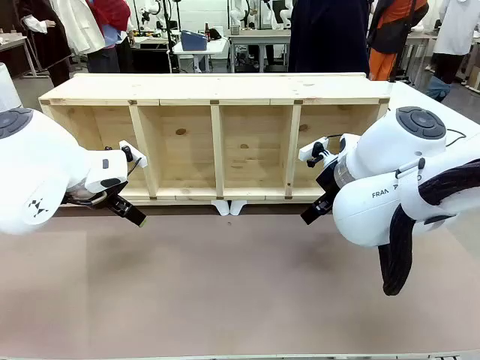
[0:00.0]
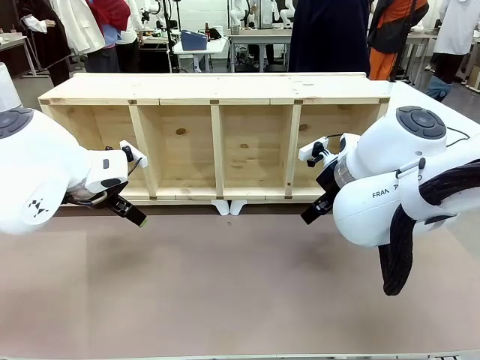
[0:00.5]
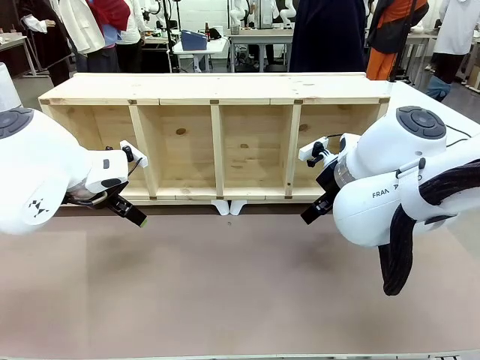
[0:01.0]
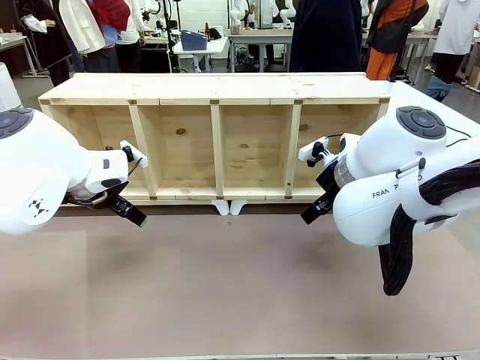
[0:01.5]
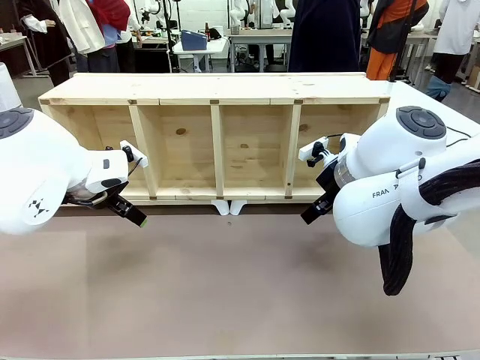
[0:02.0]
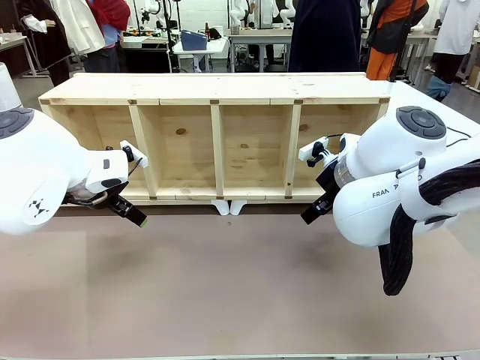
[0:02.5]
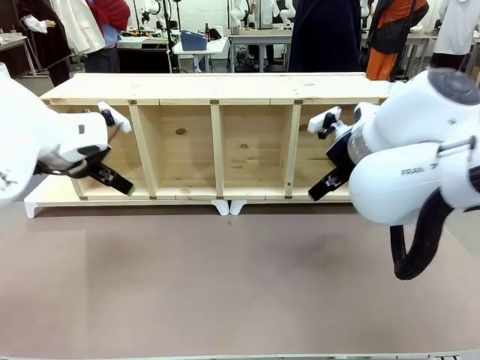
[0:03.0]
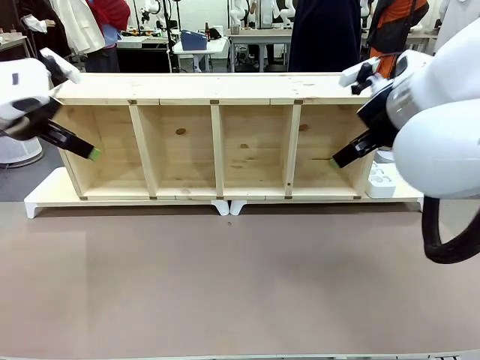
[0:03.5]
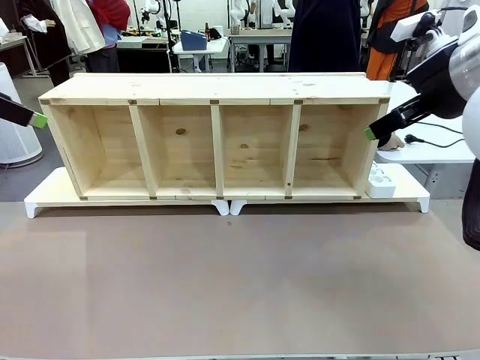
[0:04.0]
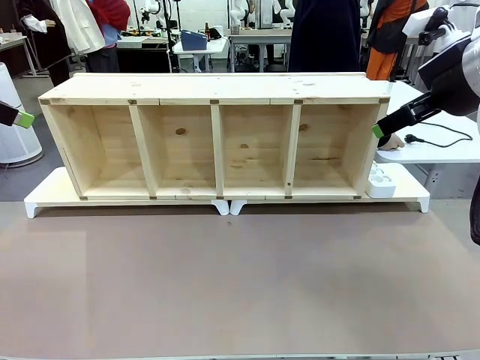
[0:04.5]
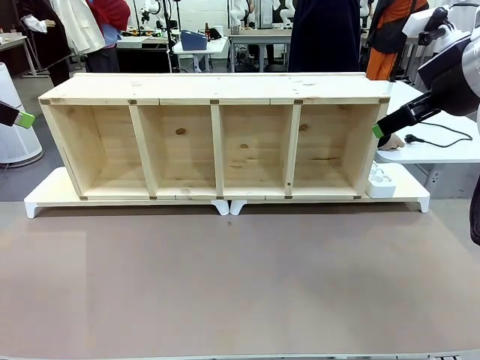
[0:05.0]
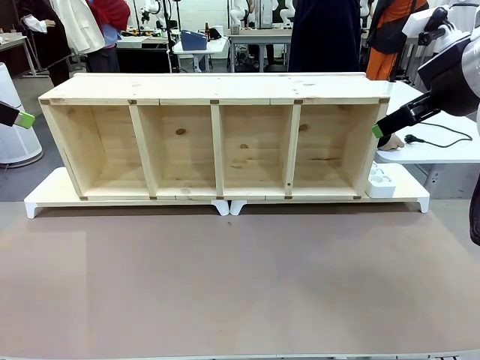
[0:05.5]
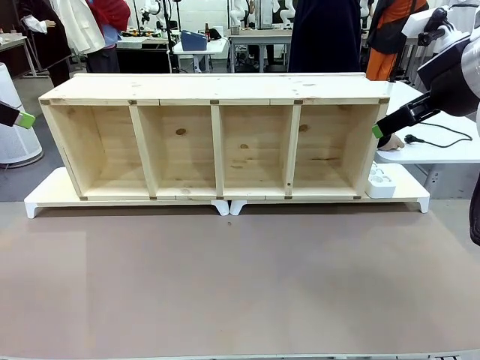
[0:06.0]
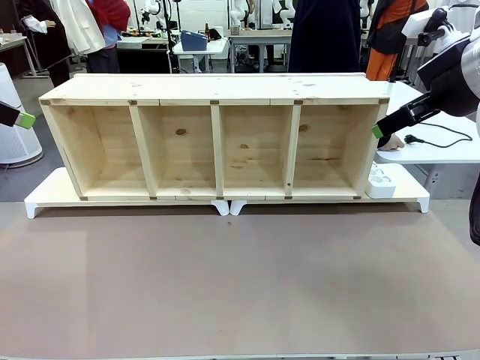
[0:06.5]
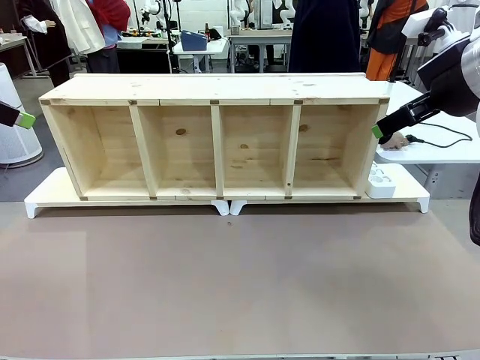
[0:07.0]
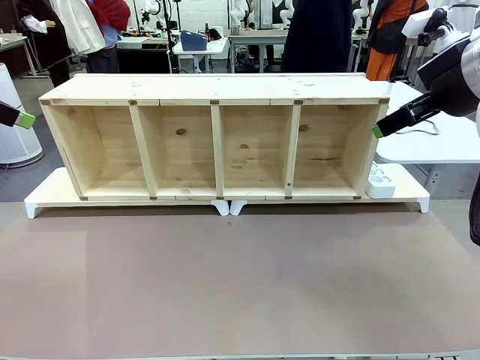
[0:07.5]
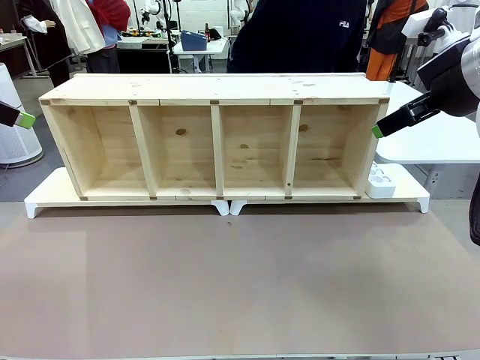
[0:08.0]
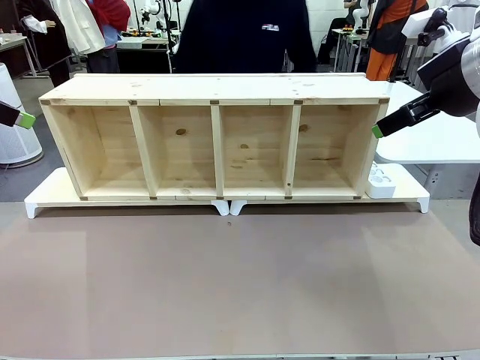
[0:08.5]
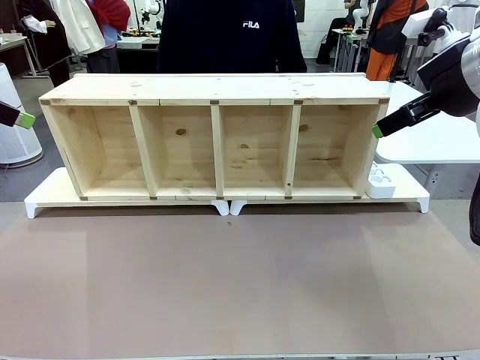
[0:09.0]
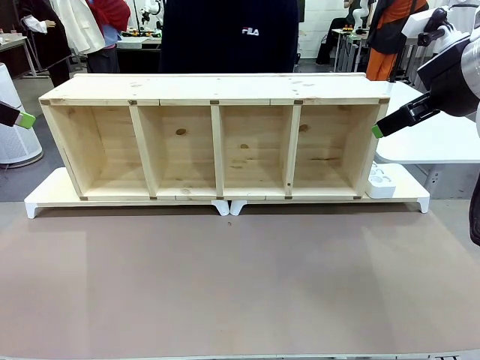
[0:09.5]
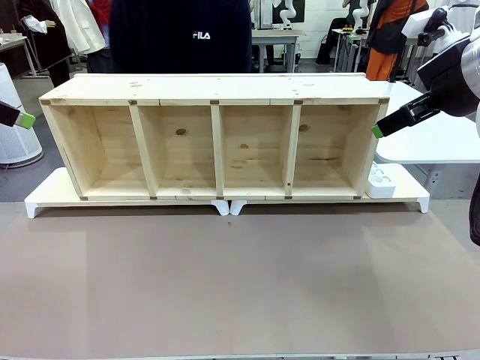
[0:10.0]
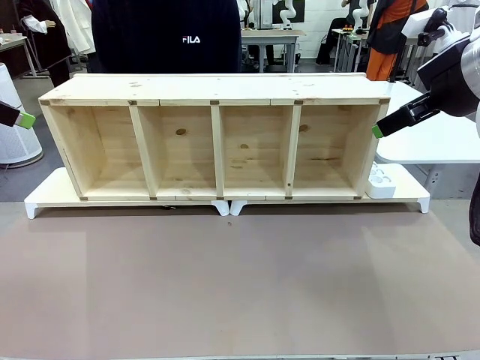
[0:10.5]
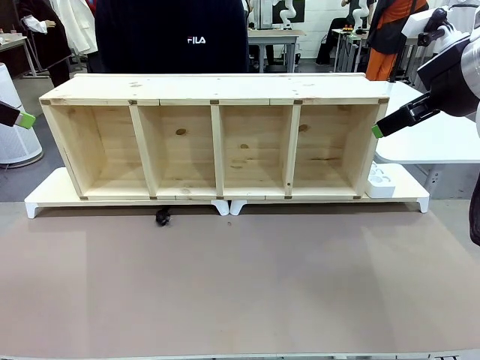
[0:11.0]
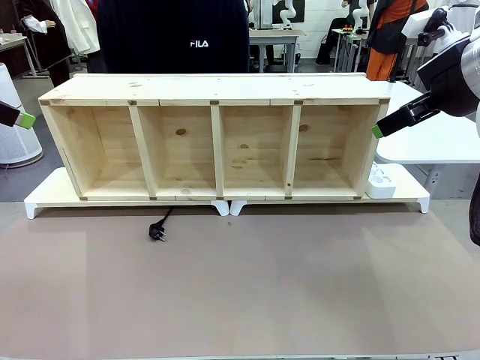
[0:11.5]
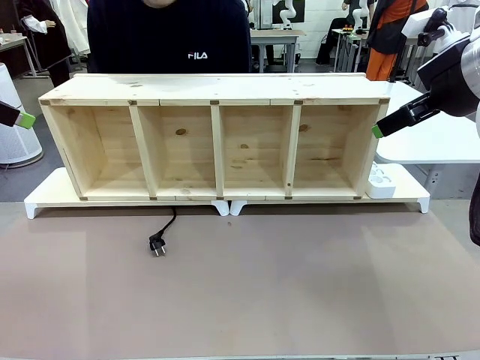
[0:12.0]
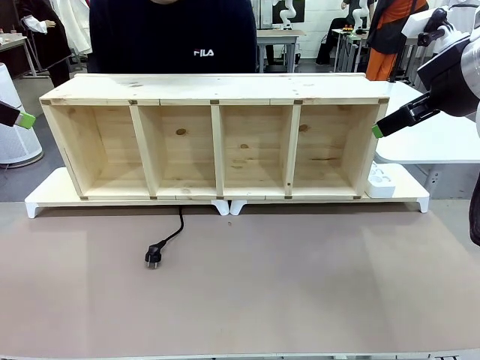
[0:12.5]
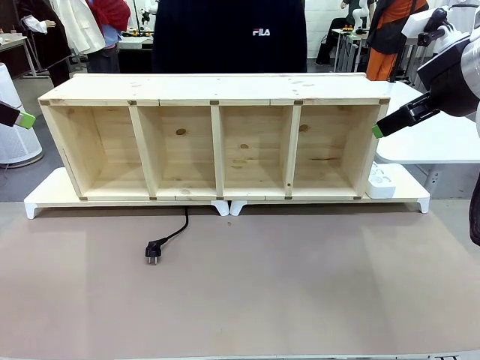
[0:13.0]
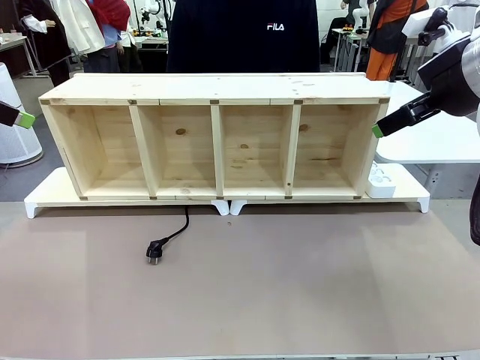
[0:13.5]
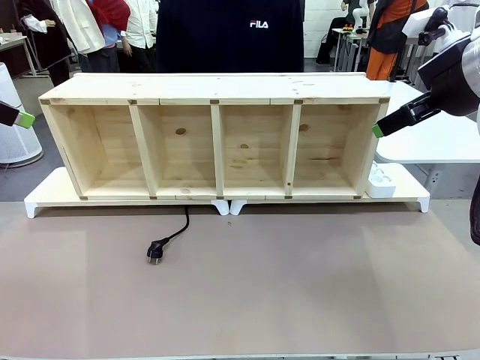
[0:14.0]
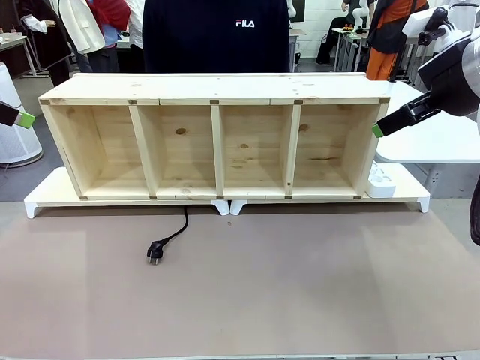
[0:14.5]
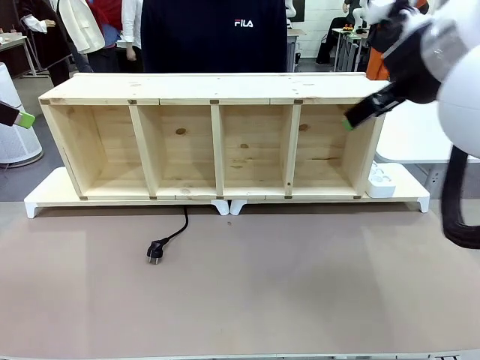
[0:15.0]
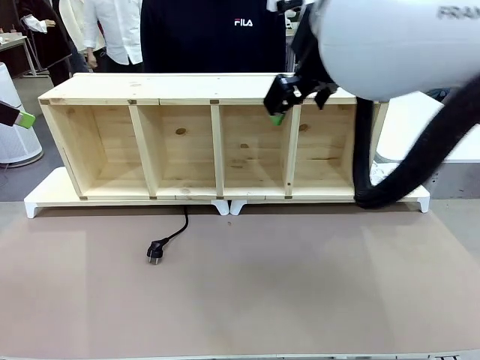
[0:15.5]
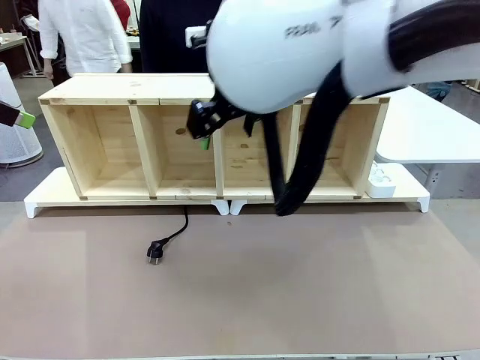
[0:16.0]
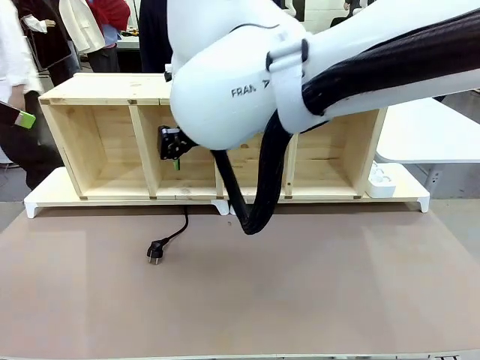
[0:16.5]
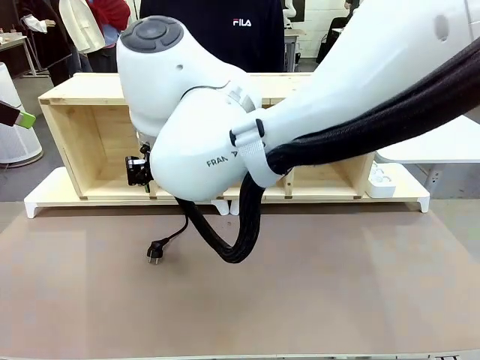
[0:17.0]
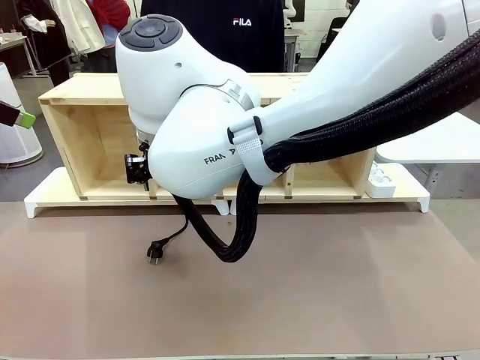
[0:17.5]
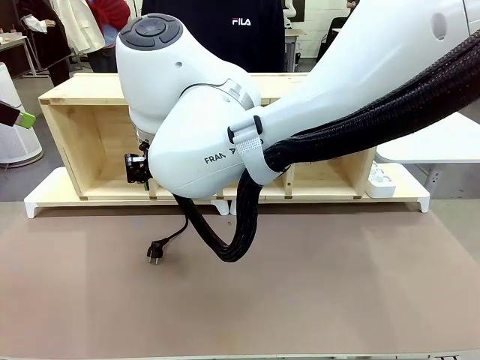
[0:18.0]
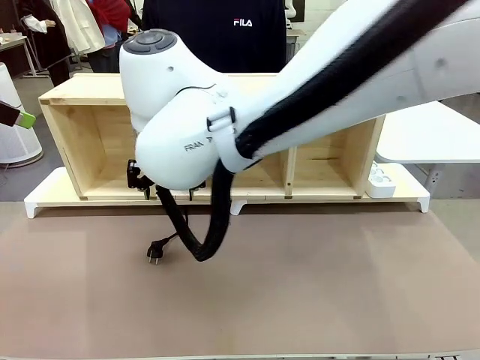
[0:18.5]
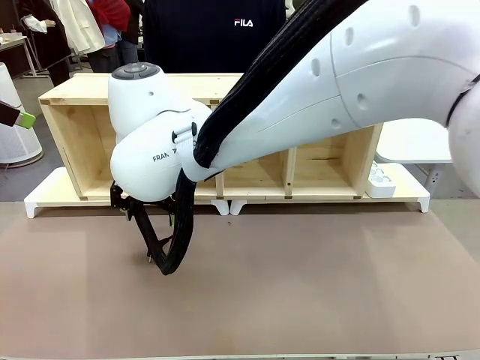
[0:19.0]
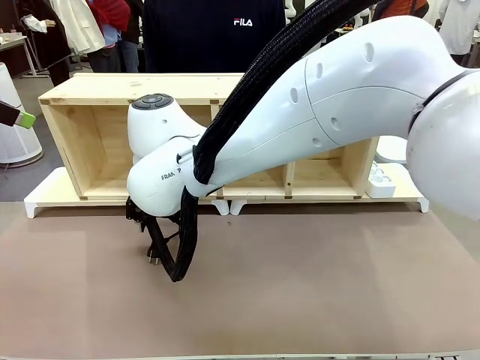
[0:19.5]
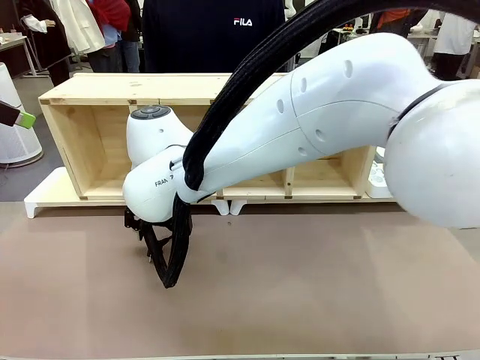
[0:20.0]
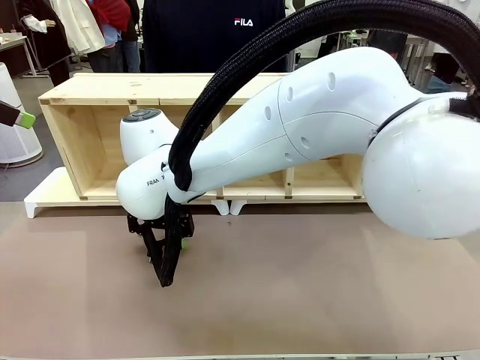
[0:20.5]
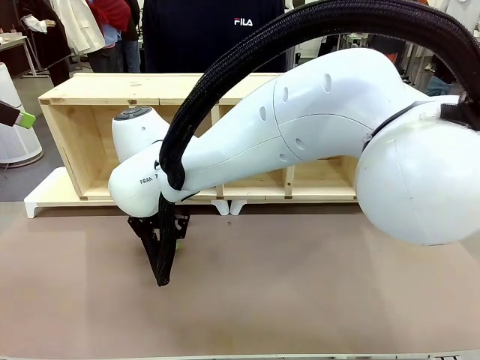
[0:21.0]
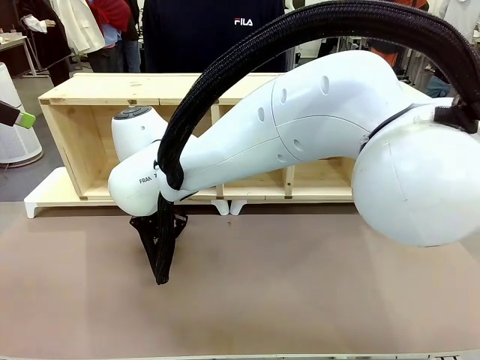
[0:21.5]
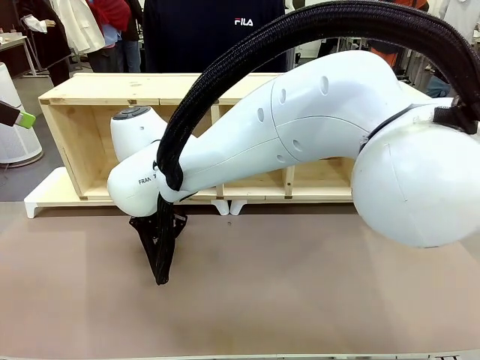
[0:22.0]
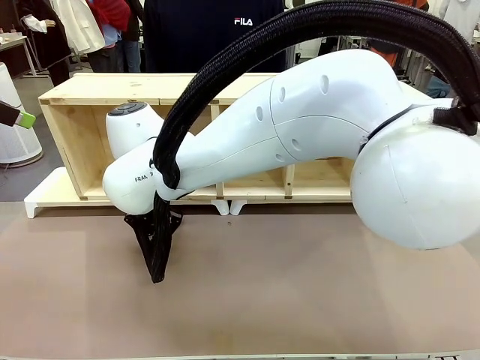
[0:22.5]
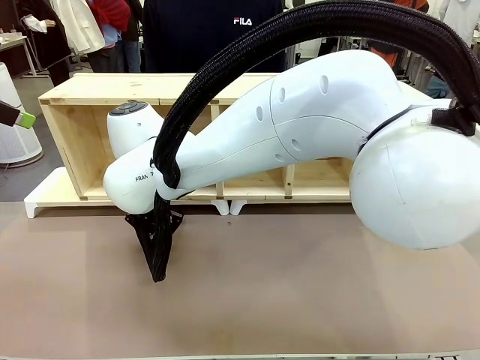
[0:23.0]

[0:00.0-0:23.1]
Task: Perform cable management.
Robot: When the cord part of the Power Cable appears at the lower middle area of the table and stops, grasp the cord part of the Power Cable.
Person: Pass the Power Cable under the Serving Table.
